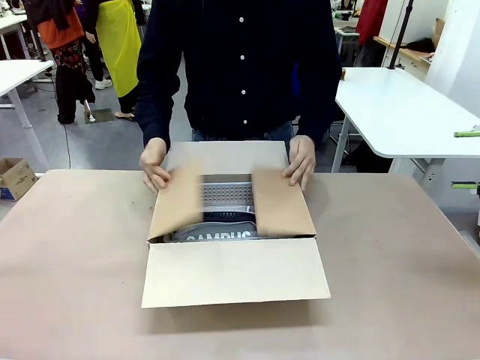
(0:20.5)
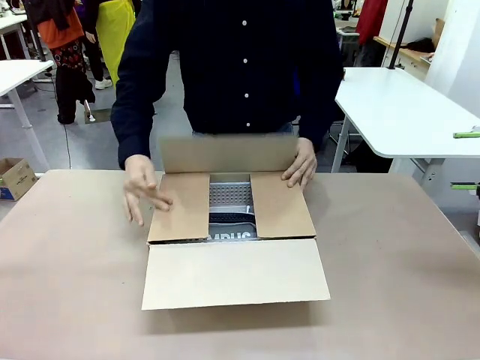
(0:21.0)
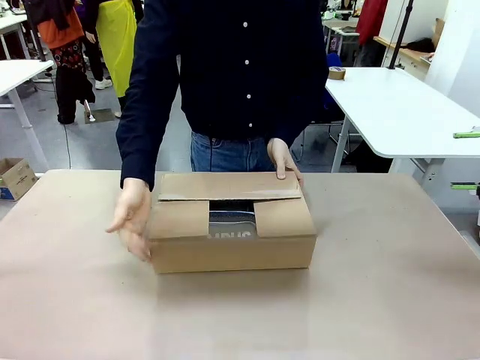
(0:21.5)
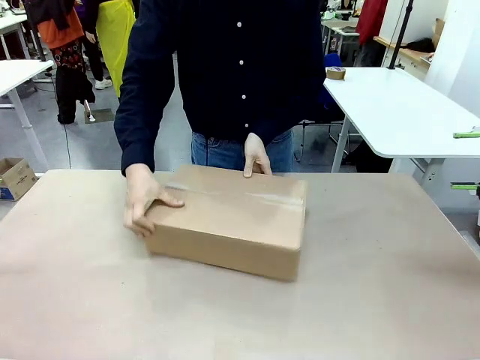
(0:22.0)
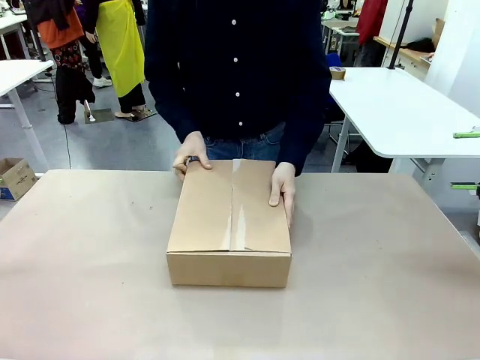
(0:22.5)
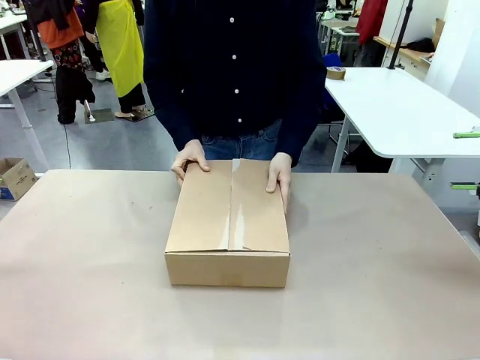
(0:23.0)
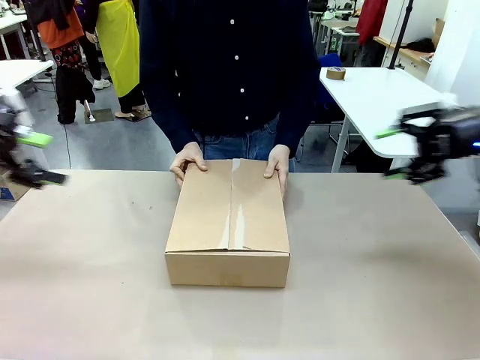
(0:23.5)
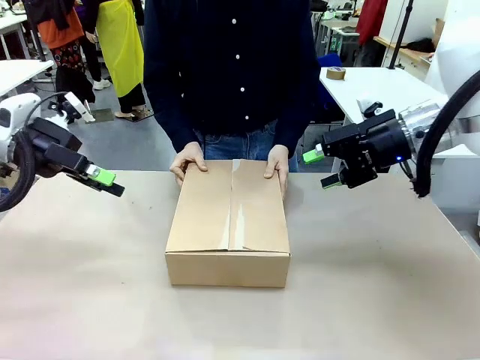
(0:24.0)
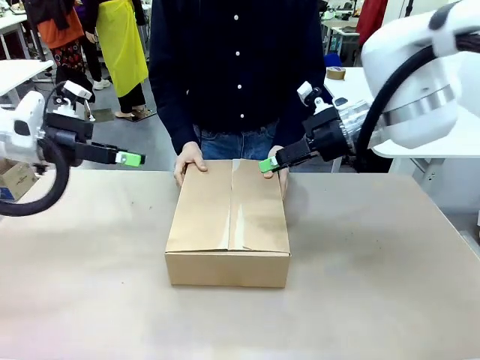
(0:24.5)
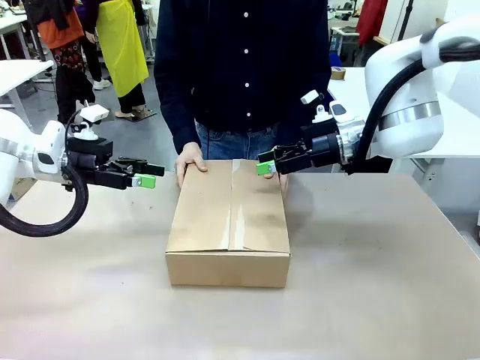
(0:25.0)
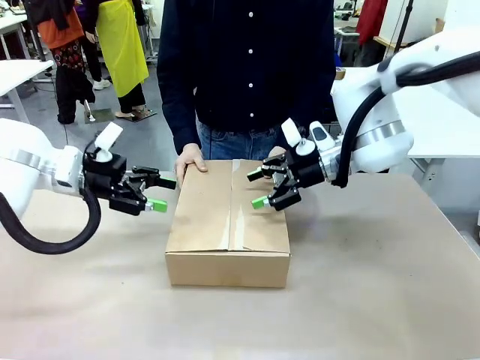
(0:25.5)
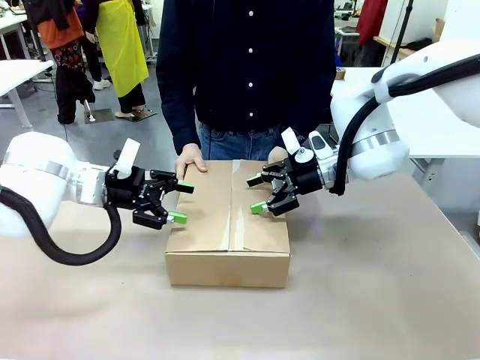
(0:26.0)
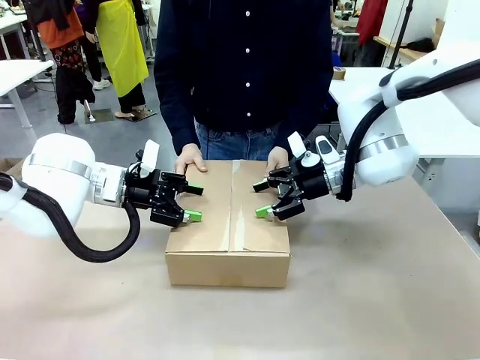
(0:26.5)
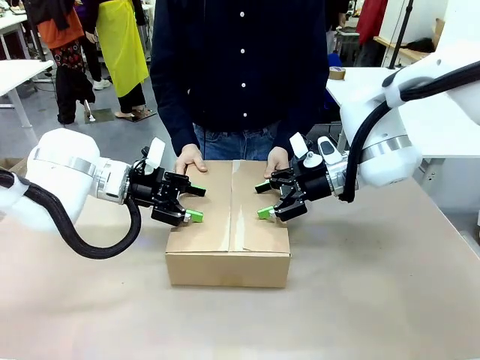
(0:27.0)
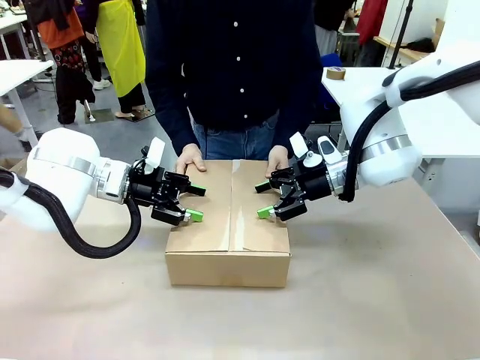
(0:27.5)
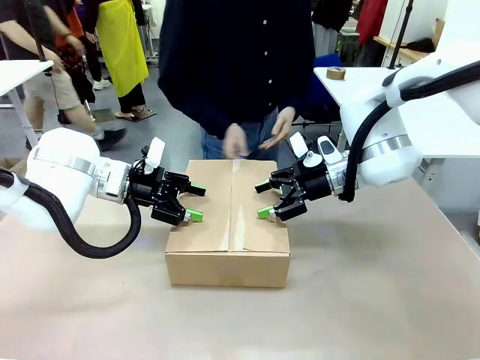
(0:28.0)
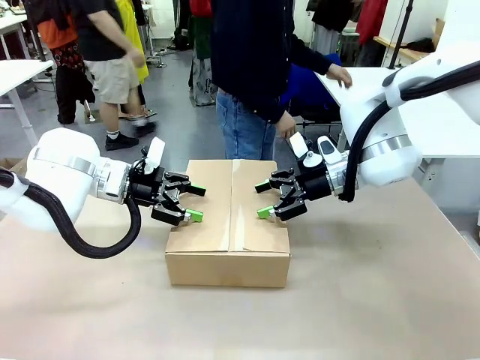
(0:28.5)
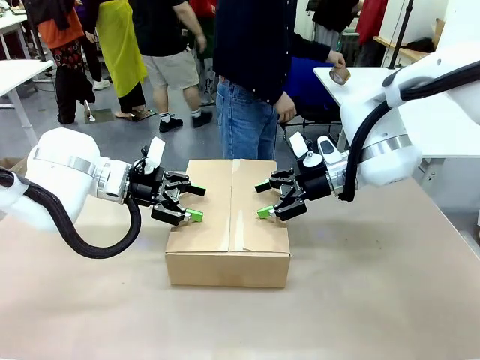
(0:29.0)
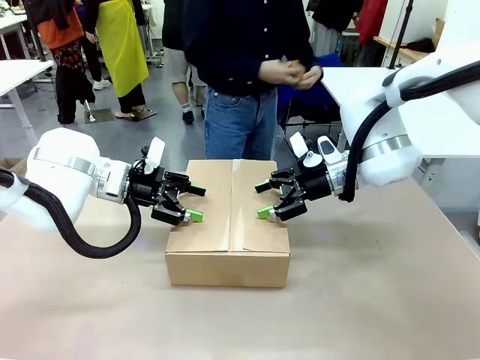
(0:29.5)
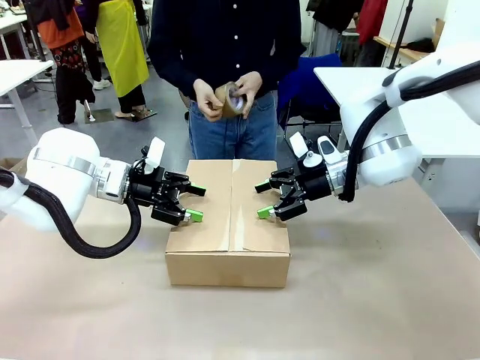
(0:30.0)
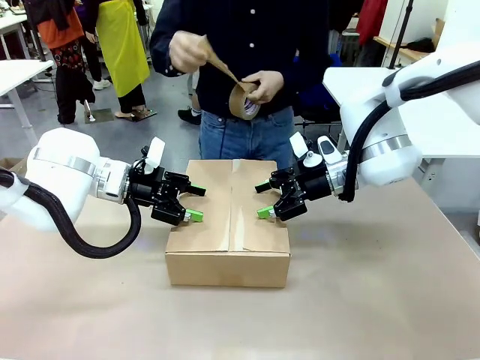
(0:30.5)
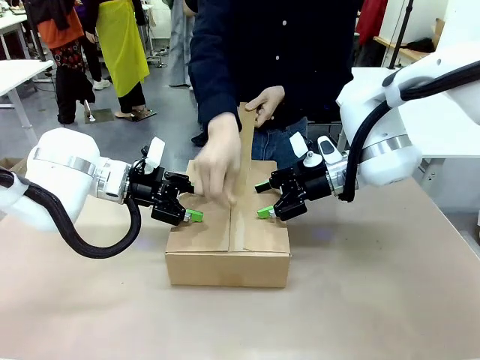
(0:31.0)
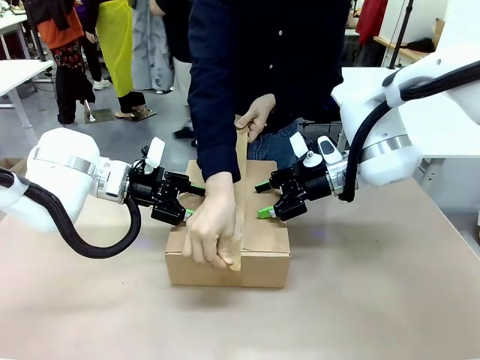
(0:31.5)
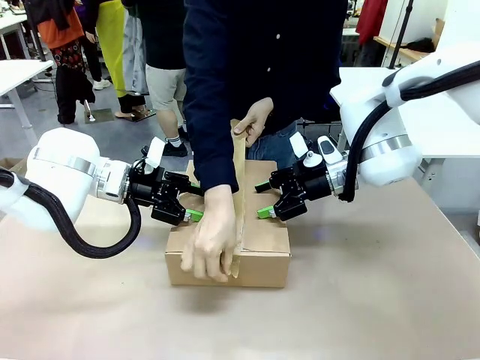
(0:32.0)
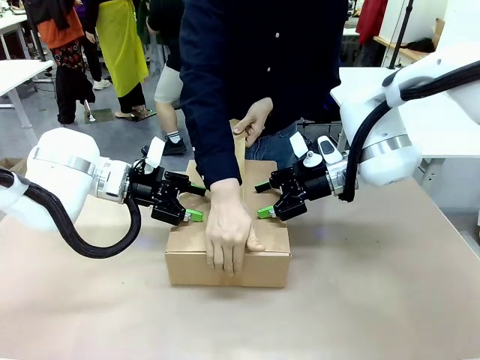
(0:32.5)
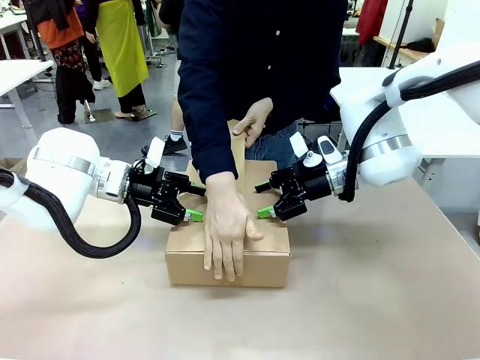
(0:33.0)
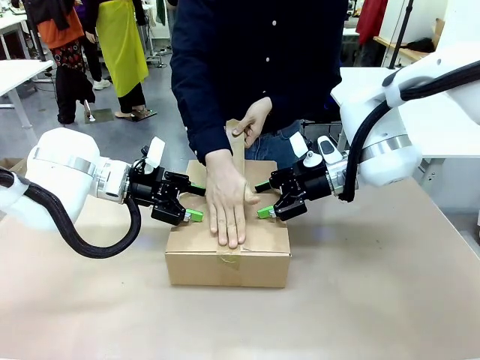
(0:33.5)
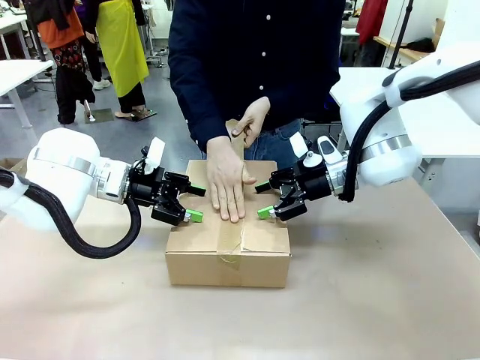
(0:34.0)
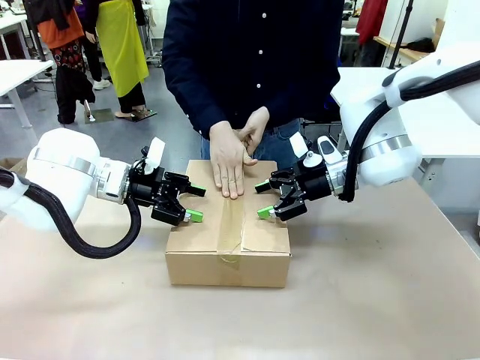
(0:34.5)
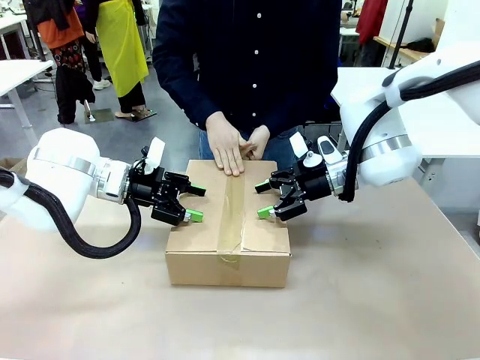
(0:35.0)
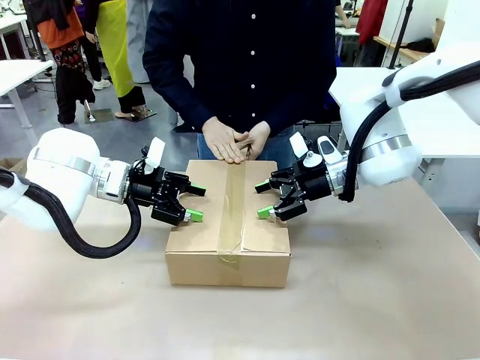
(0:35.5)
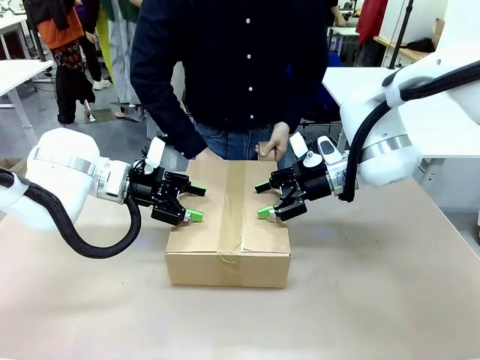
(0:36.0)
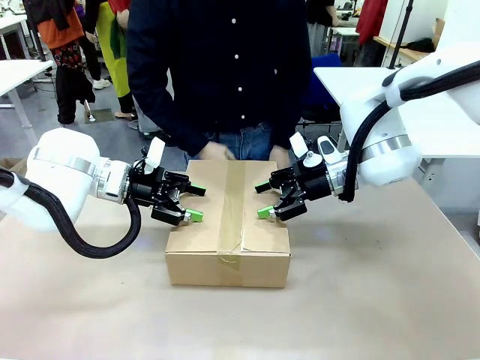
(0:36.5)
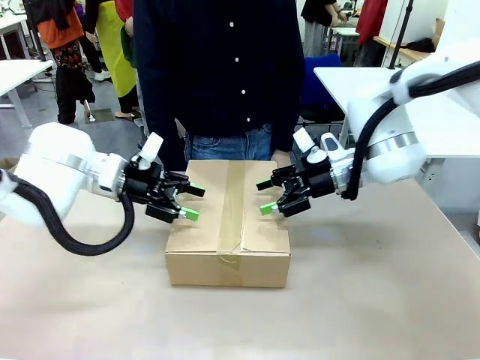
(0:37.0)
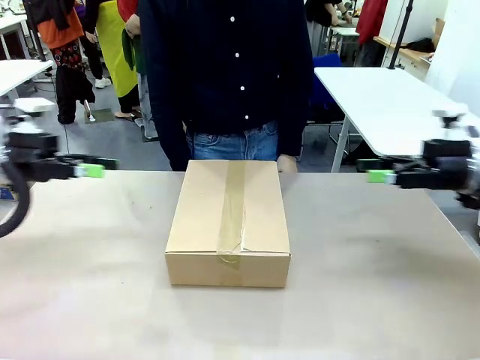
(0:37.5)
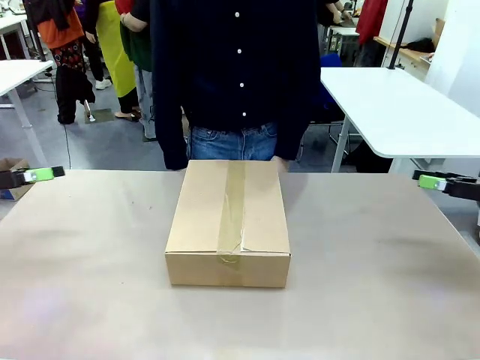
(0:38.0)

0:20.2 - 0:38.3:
Task: Pack the gift set into the box.
Robot: Press and hold the closed box until the human finishes sealing it.
Person: The human closes the box and rotates the box by 90 degrees. The human picks up the paper tape from the human table and packs the box.

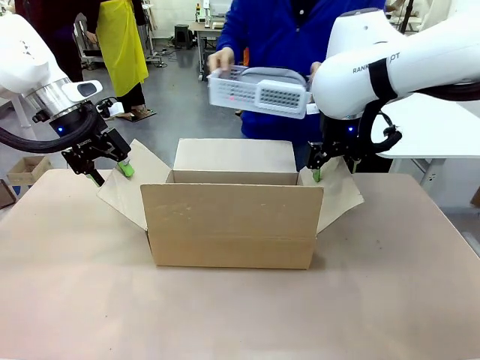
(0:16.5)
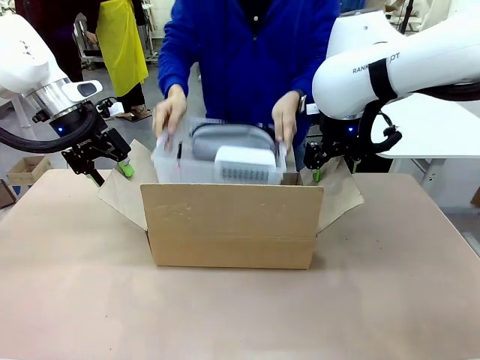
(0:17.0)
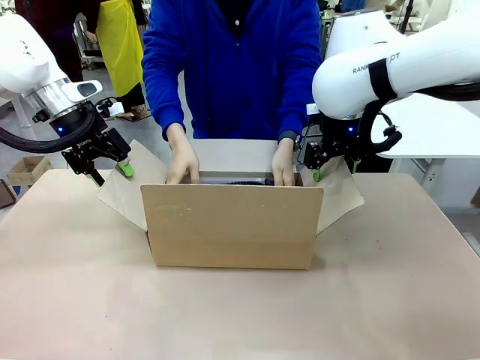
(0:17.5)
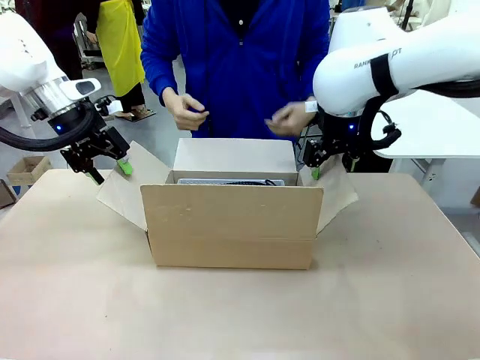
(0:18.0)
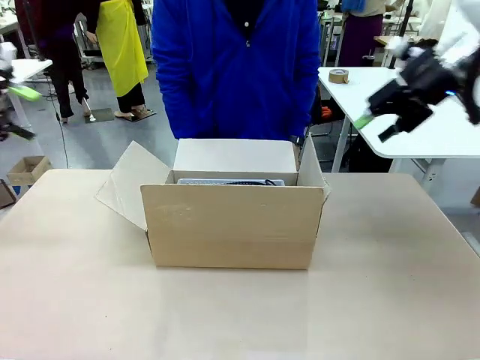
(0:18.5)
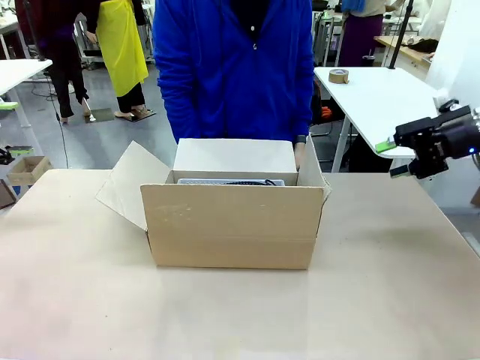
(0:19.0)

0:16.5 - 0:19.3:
Task: Pack the gift set into the box.
Robot: Lift both hands away from the flaps of the Package Box.
Person: The human picks up the organizing basket and places the organizing basket into the package box on the robot table.
